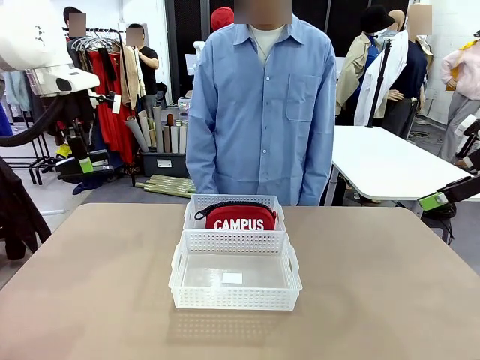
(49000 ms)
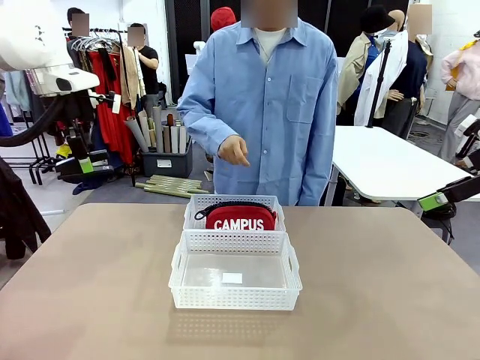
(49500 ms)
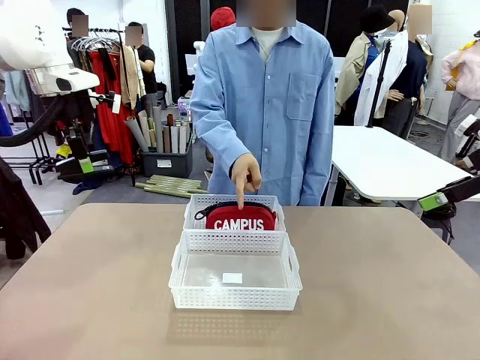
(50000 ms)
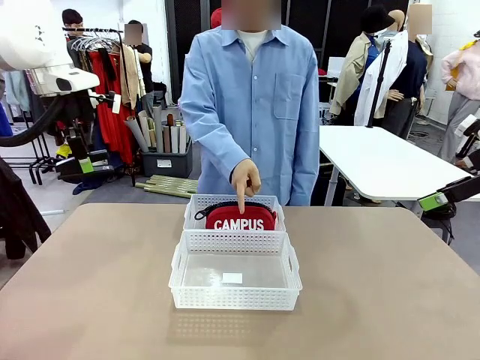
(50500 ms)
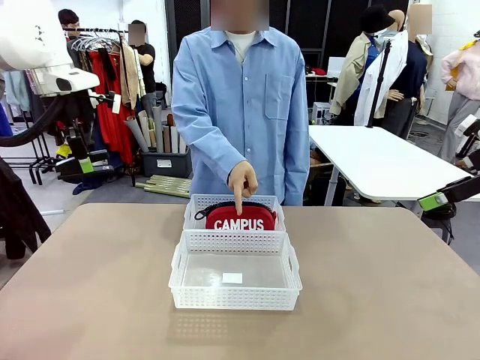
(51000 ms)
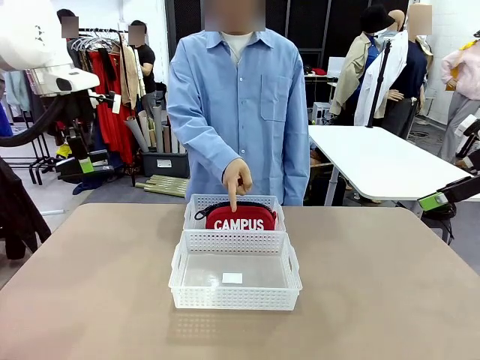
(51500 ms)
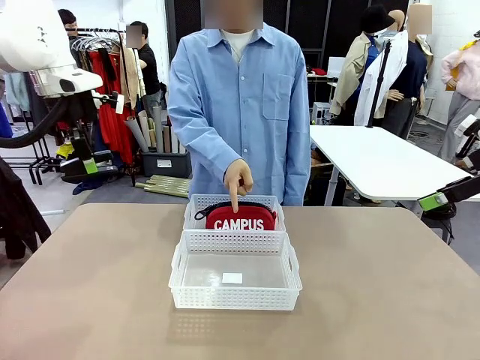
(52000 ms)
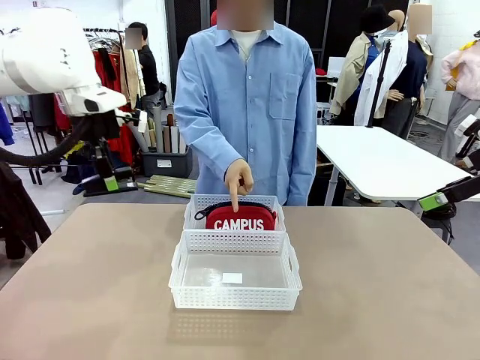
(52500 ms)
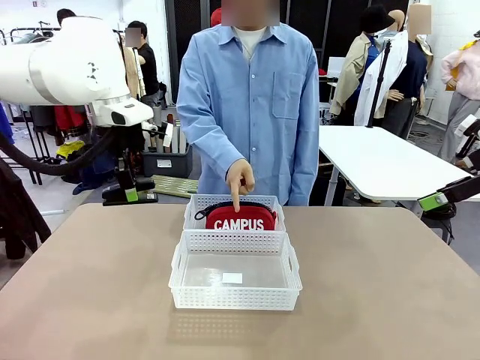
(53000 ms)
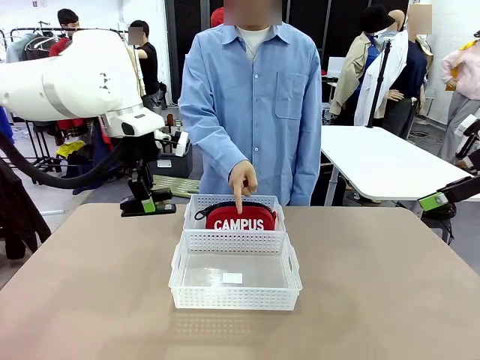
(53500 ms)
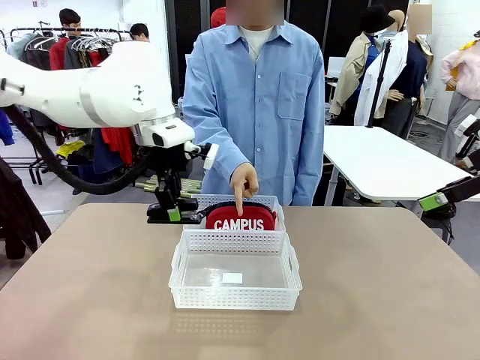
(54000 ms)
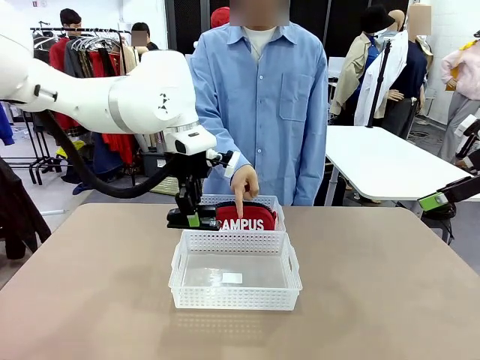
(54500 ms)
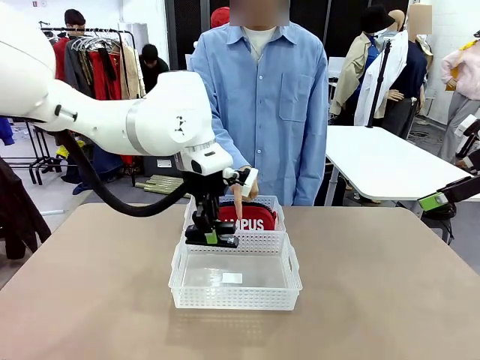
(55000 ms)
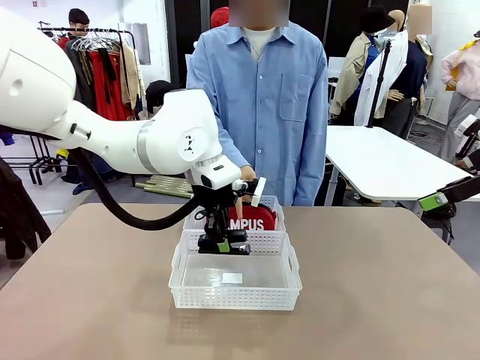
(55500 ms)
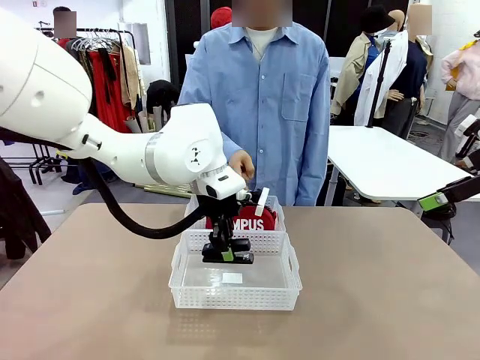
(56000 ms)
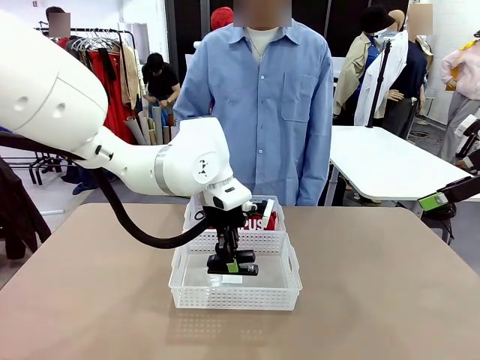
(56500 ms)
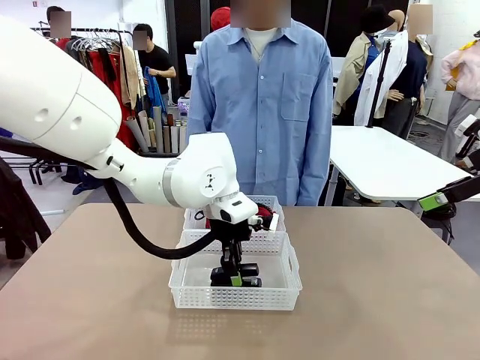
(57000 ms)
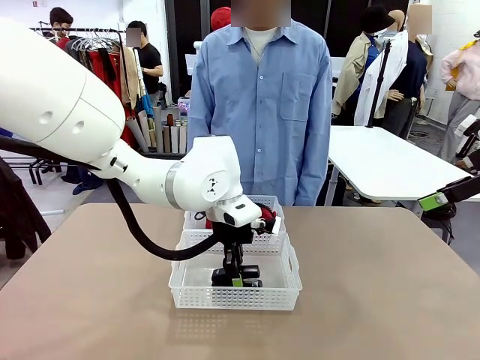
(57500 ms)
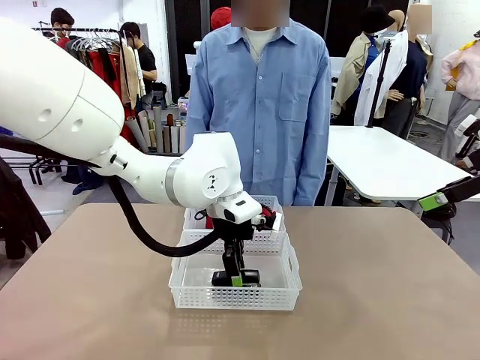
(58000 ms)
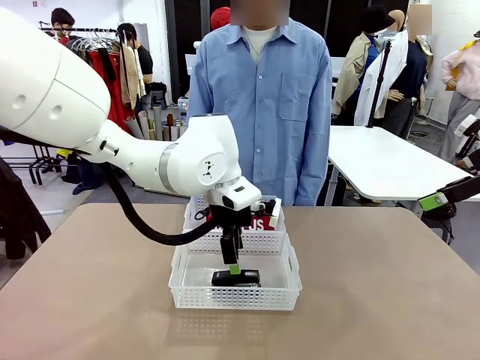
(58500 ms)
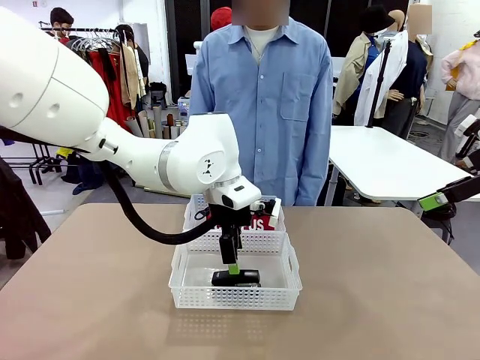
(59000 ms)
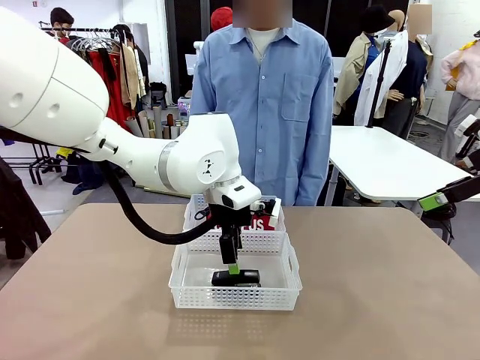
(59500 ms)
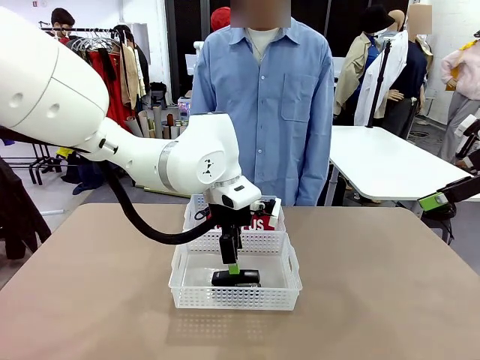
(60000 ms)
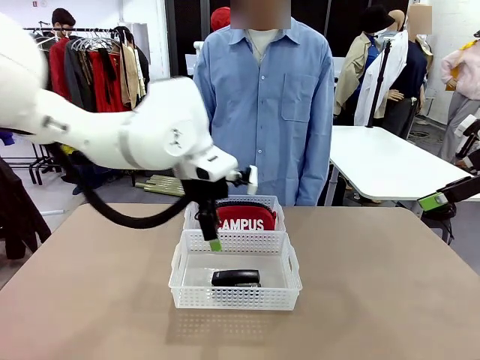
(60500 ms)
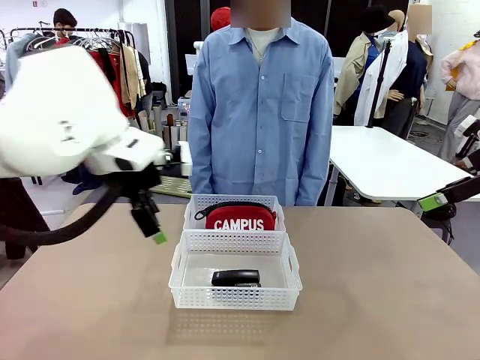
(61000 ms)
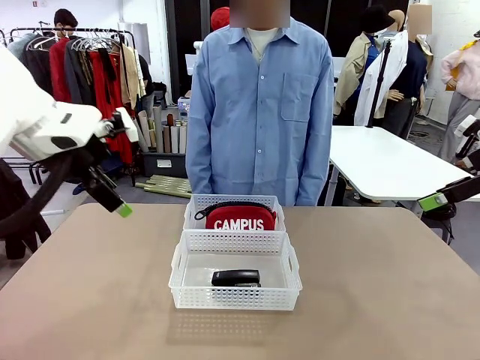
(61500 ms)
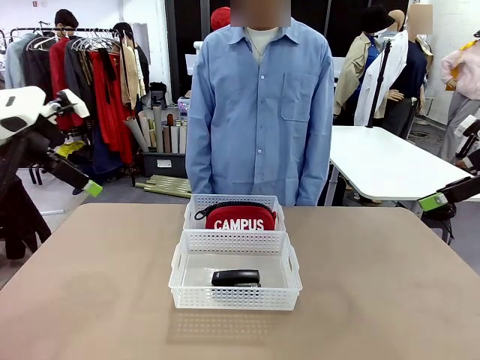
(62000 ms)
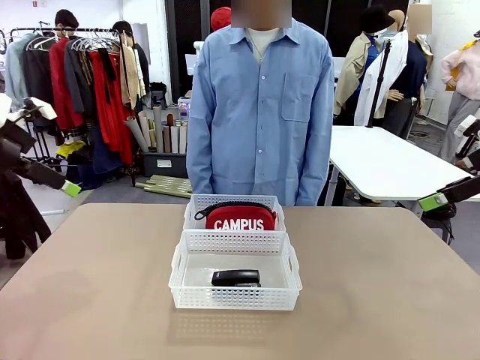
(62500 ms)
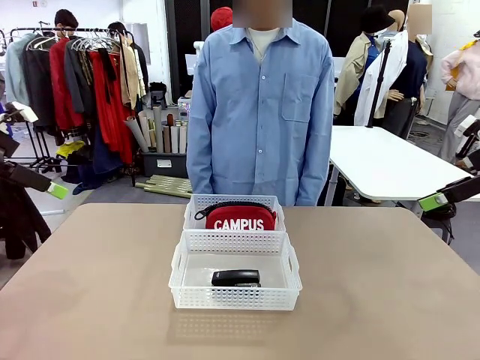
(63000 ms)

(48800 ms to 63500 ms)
Task: Distribute items into two baskets.
Robot: Place the picked Stapler into the Organizing basket as instructed by the person.
Person: Points to the basket that does not contain the pencil case and instructs the robot to move the stapler there.

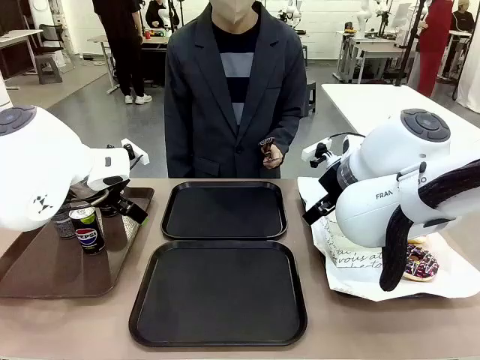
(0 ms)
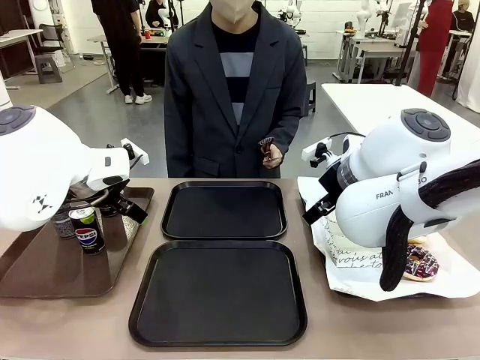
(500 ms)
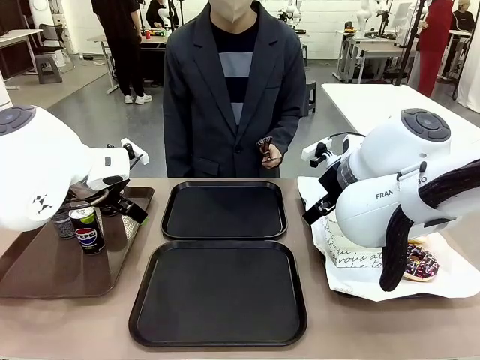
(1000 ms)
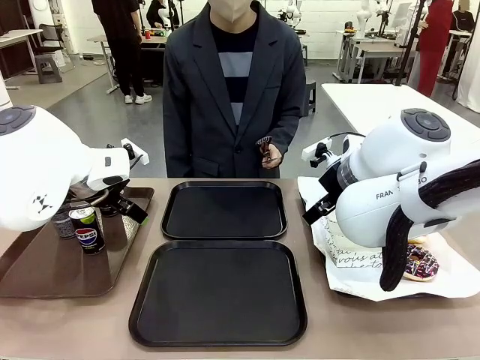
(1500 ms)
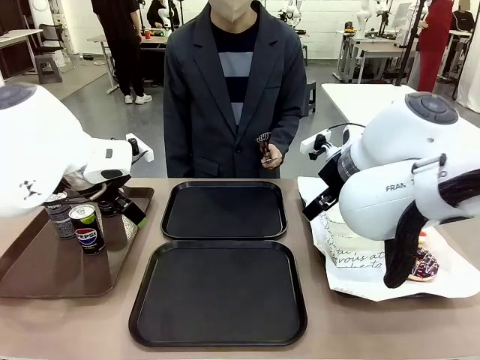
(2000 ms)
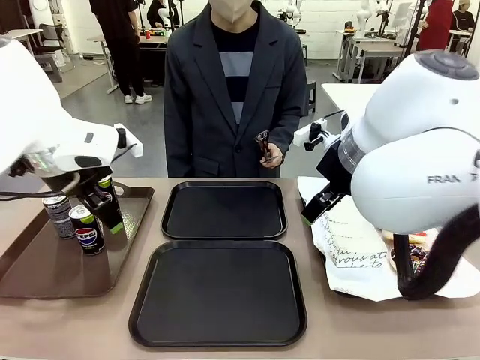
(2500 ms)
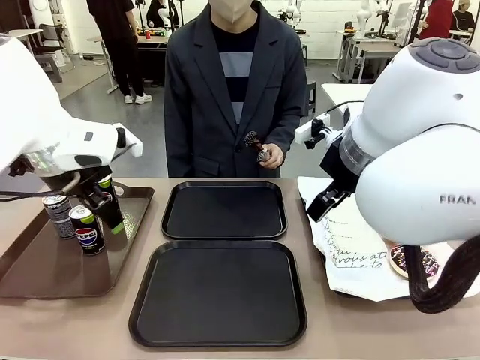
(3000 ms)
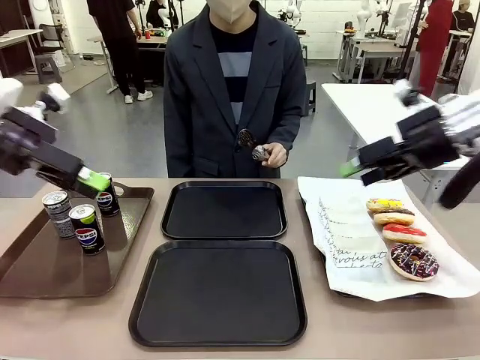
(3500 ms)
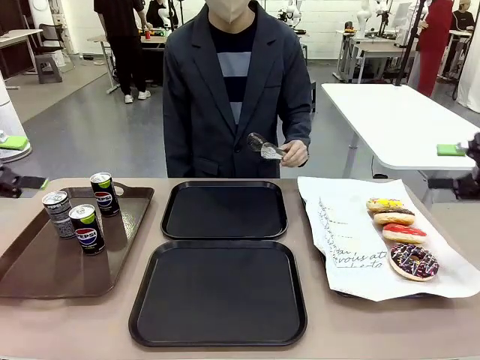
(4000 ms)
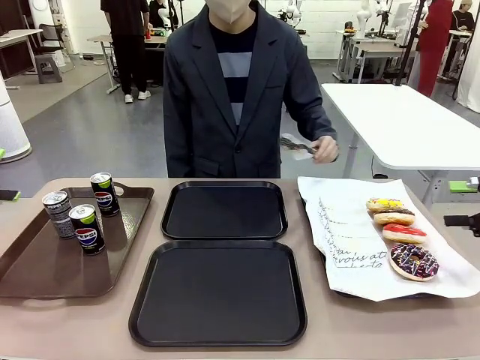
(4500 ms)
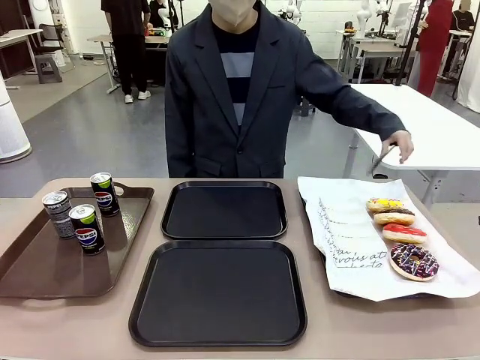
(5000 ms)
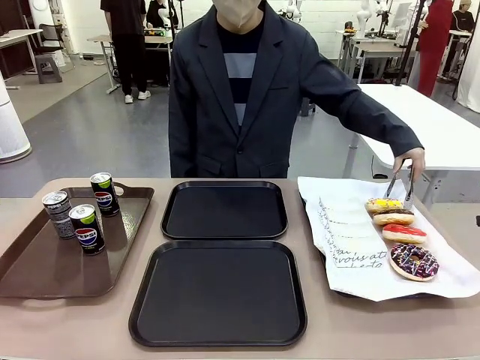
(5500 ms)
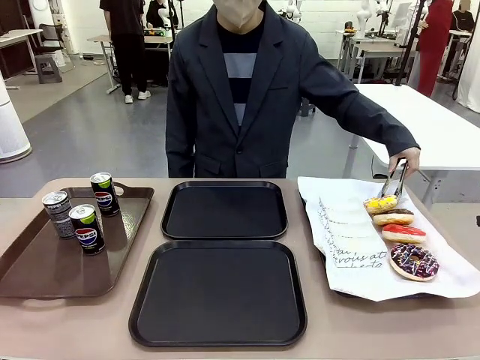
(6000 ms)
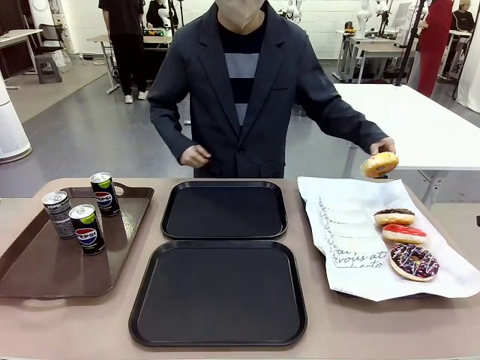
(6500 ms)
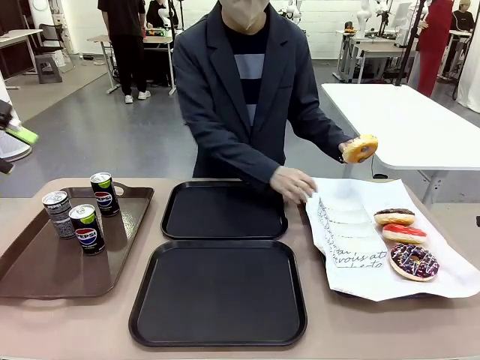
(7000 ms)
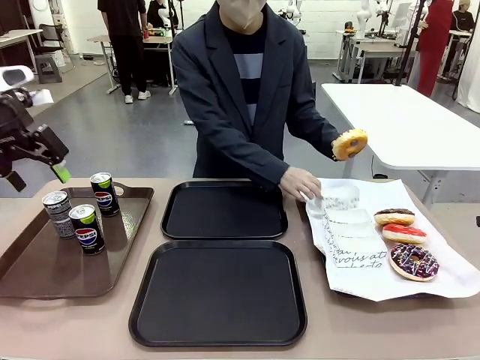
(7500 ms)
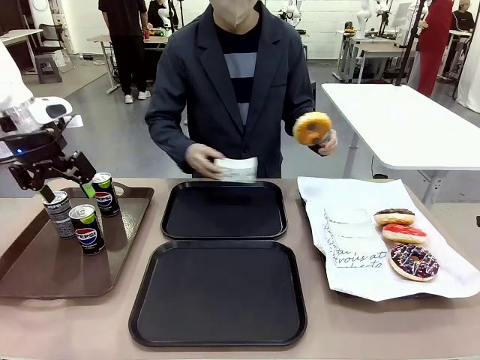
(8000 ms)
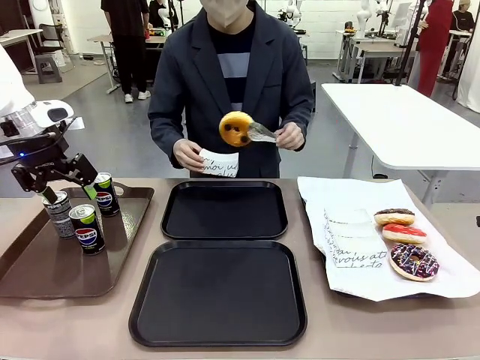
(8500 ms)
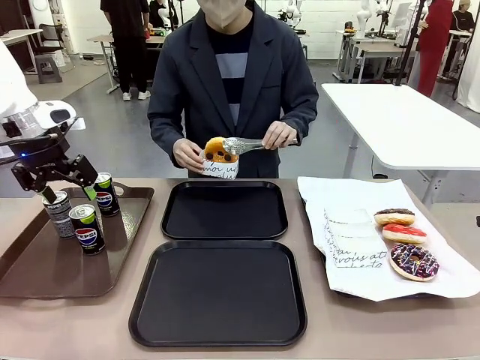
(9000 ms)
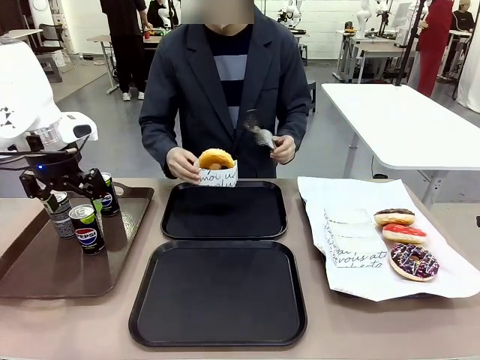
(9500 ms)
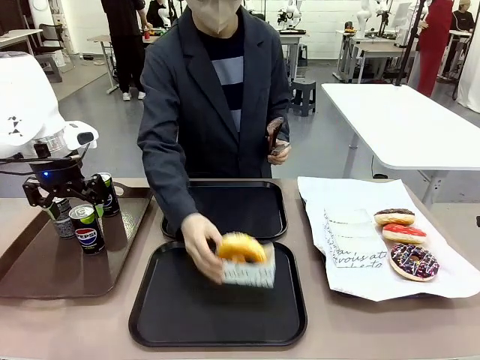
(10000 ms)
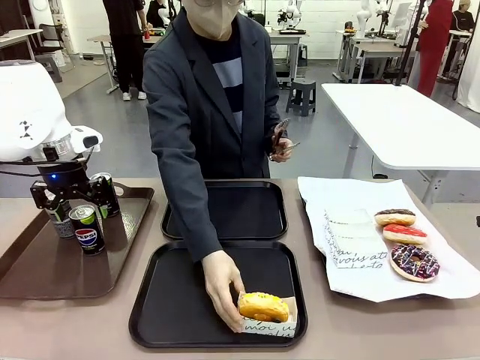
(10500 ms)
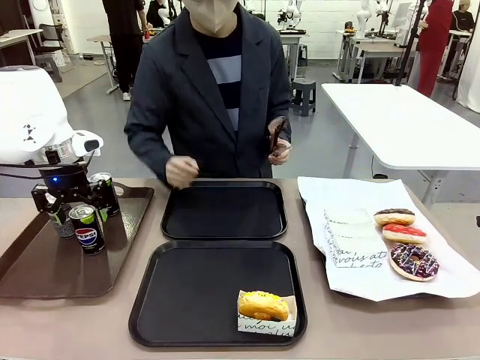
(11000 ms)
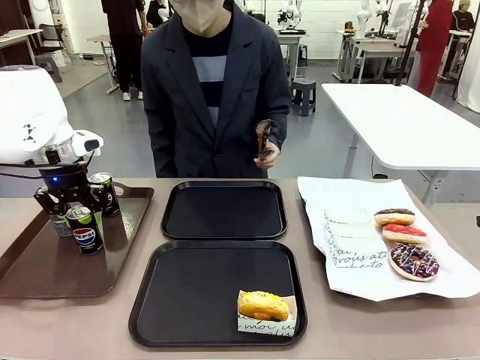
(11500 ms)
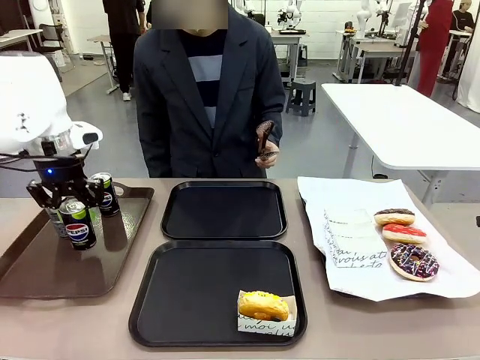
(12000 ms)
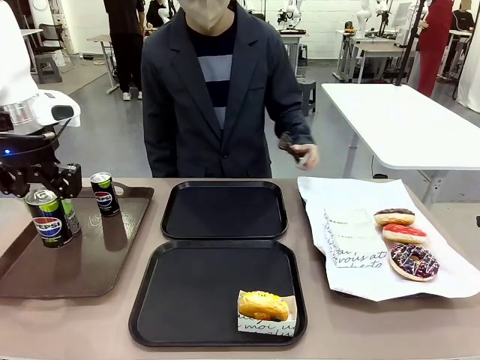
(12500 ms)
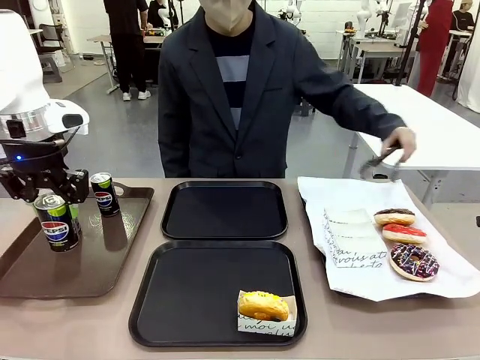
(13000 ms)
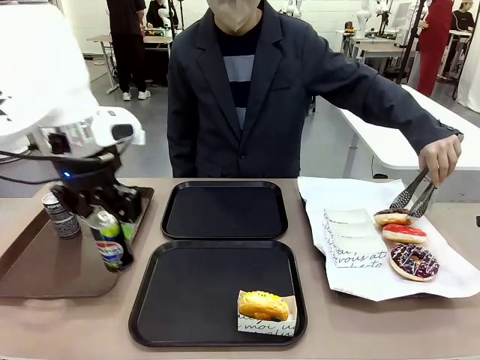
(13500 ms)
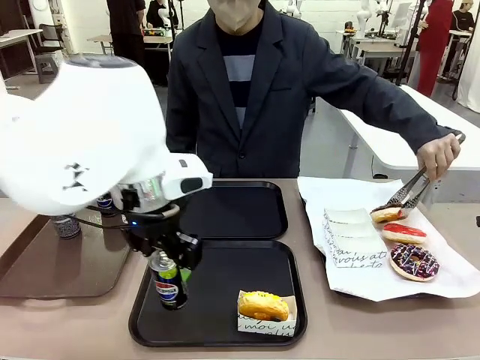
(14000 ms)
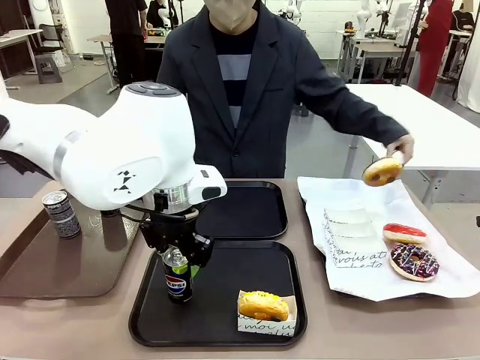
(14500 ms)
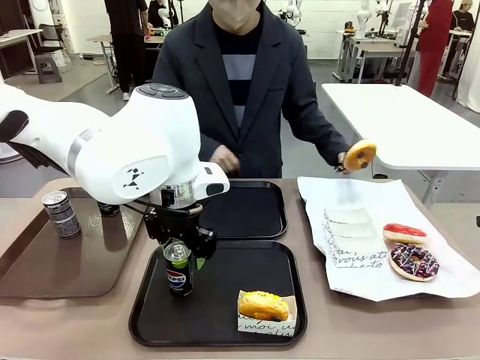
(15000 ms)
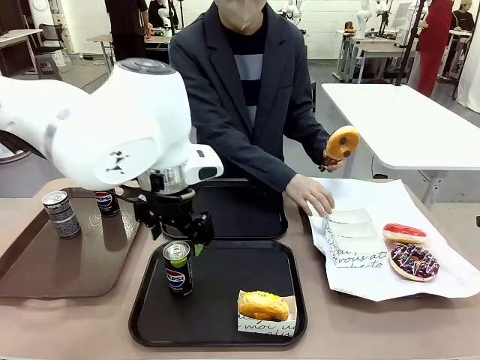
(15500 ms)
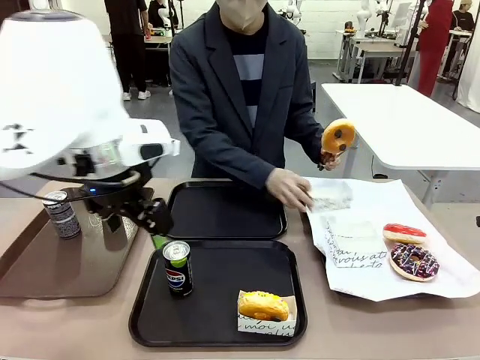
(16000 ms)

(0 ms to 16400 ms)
Task: Set up donuts and drinks on trays.
Robot: Pick up one Pepsi coke and place it on the Flat Tray.
